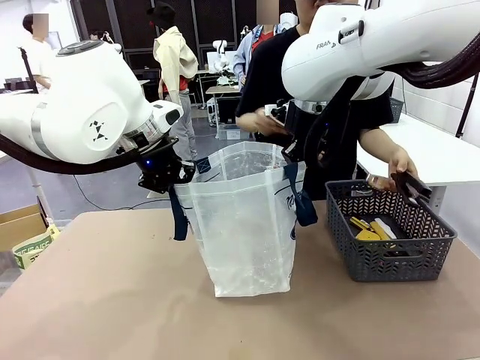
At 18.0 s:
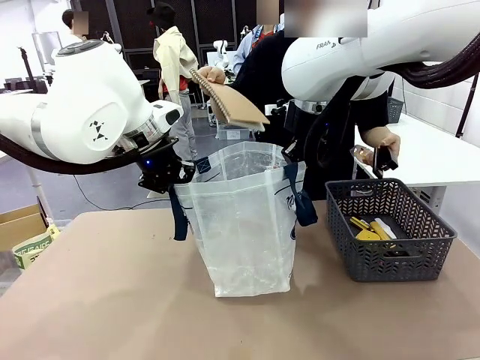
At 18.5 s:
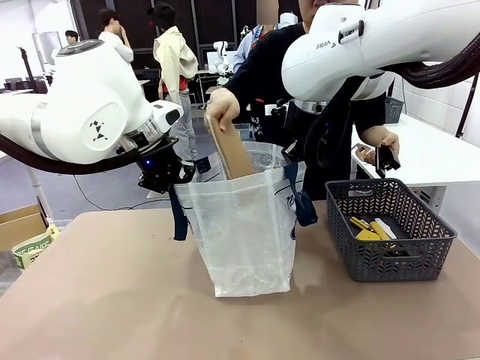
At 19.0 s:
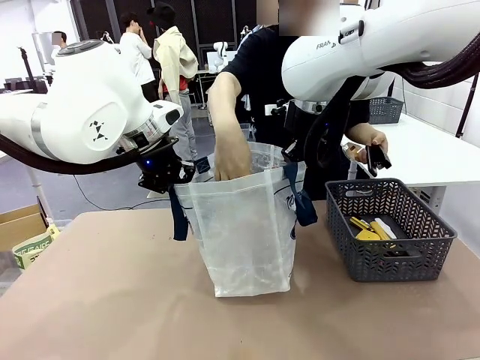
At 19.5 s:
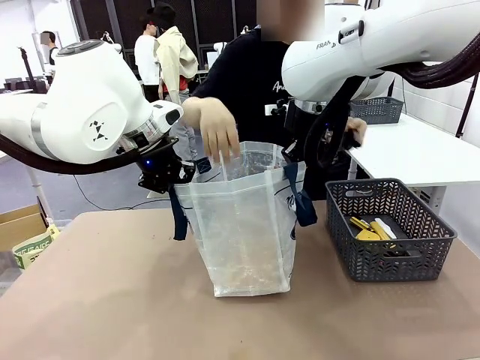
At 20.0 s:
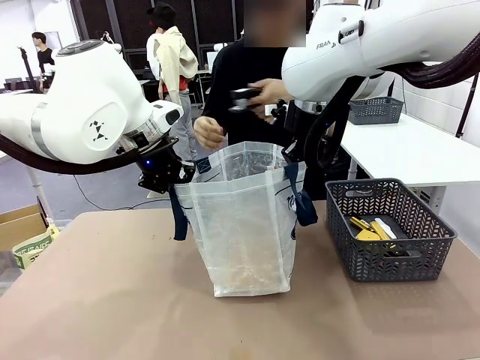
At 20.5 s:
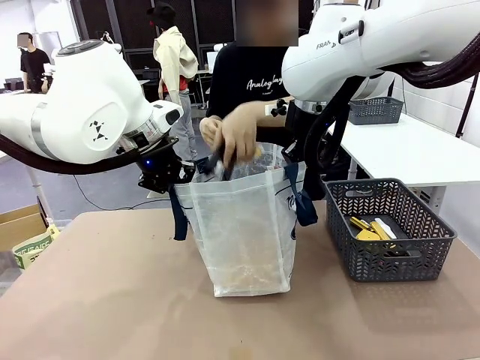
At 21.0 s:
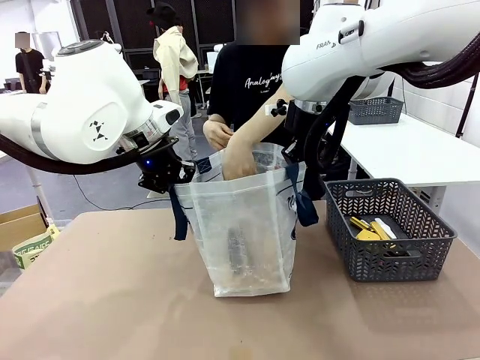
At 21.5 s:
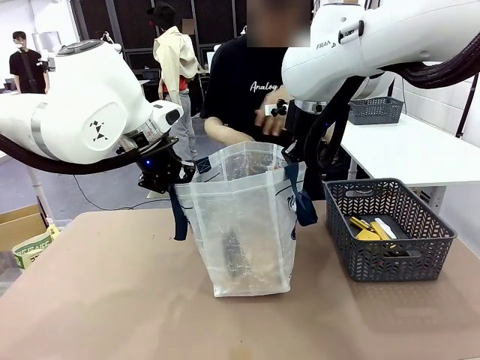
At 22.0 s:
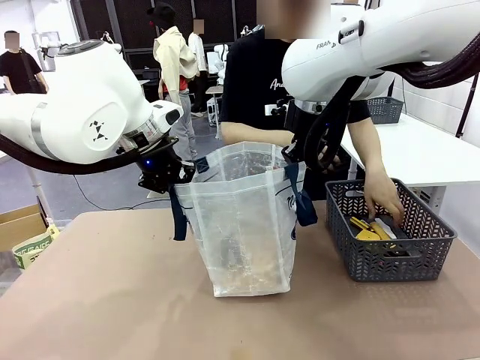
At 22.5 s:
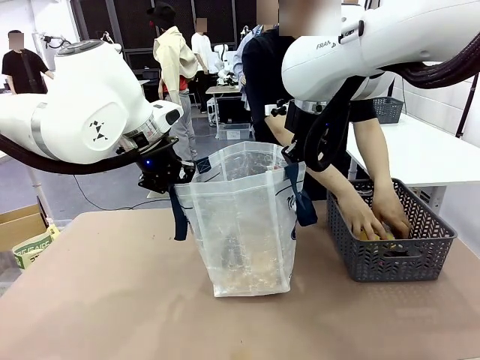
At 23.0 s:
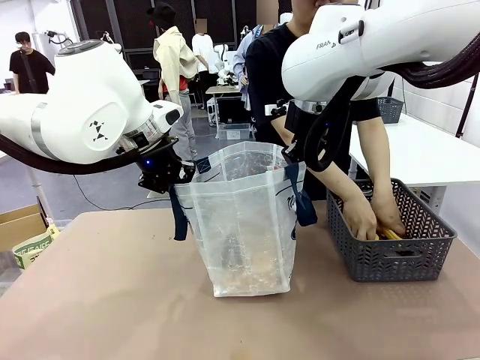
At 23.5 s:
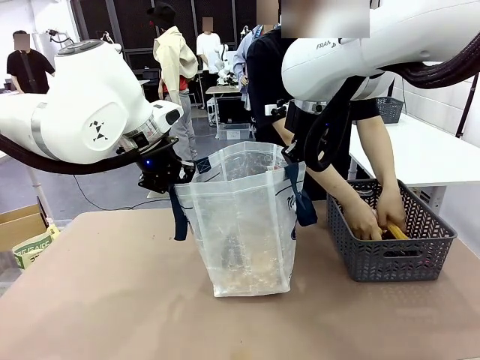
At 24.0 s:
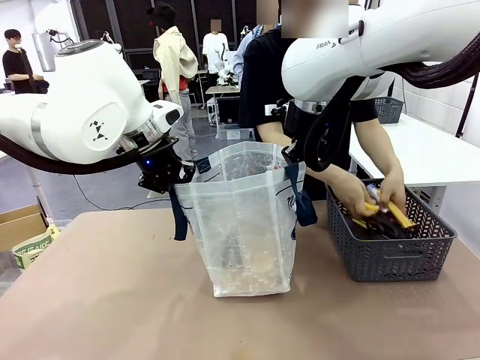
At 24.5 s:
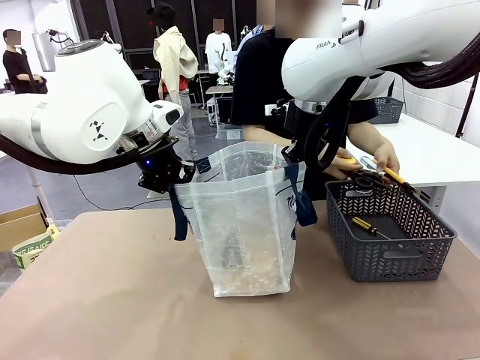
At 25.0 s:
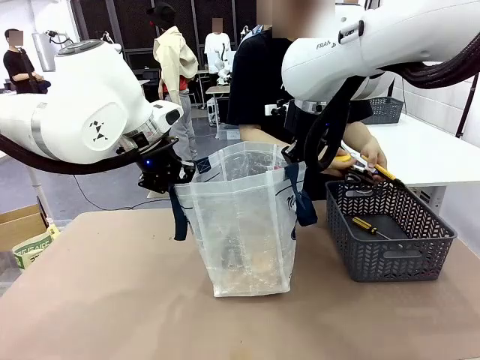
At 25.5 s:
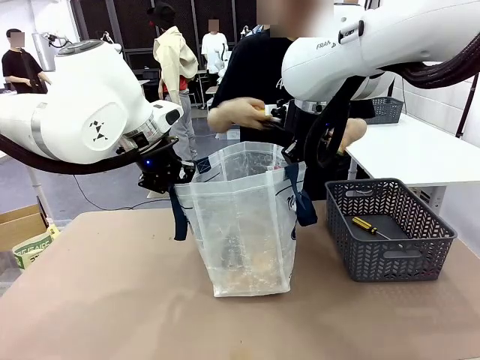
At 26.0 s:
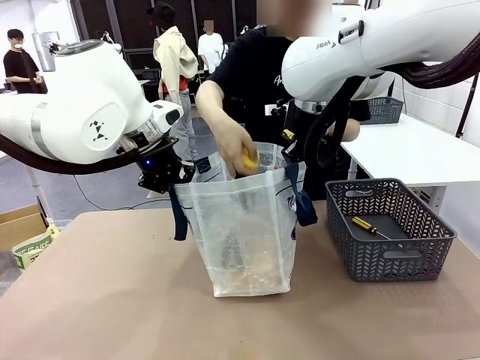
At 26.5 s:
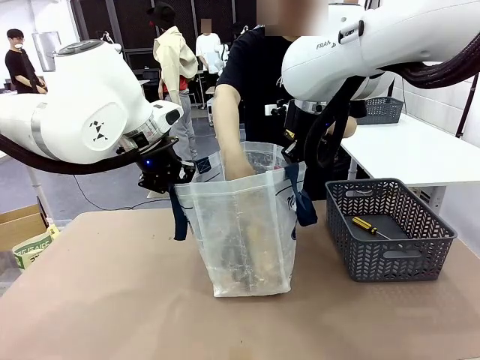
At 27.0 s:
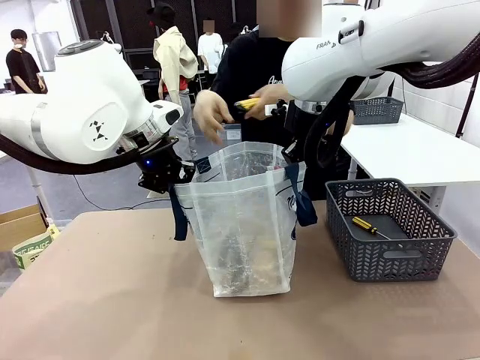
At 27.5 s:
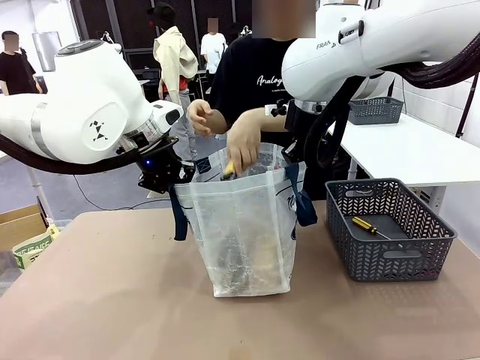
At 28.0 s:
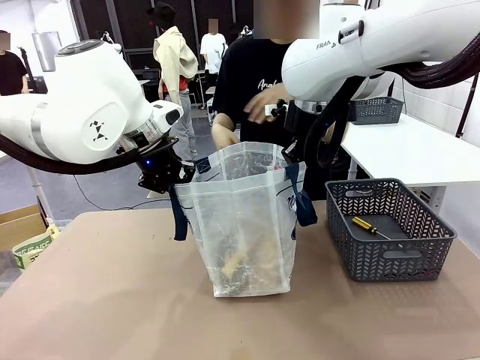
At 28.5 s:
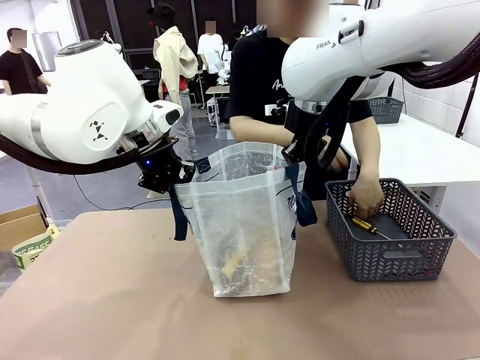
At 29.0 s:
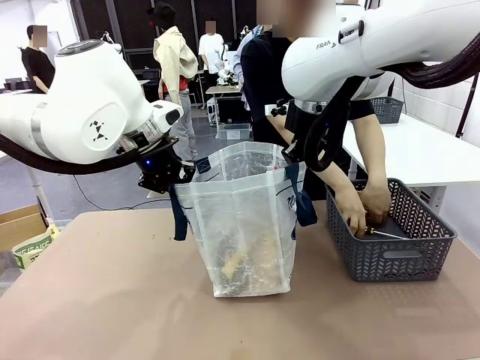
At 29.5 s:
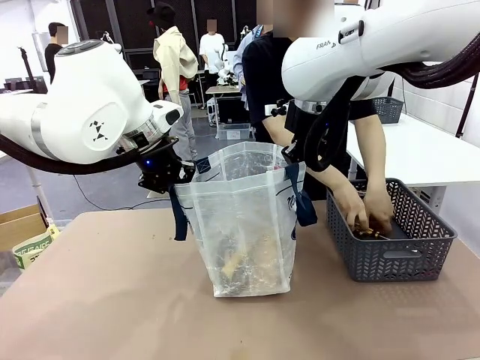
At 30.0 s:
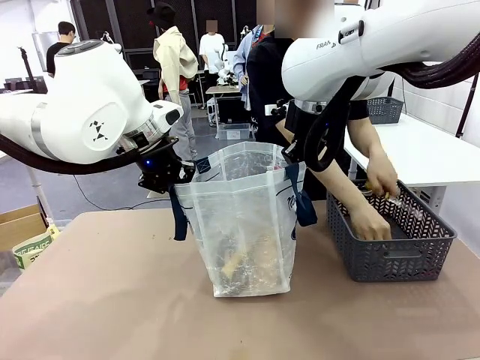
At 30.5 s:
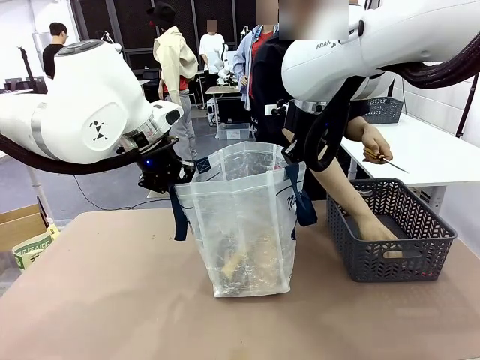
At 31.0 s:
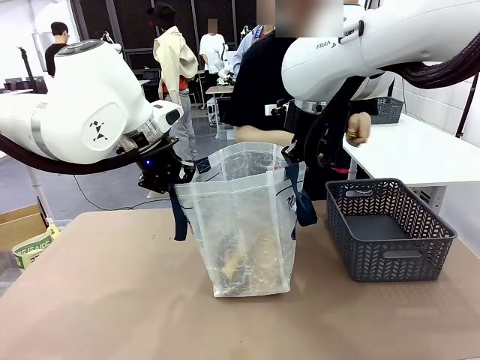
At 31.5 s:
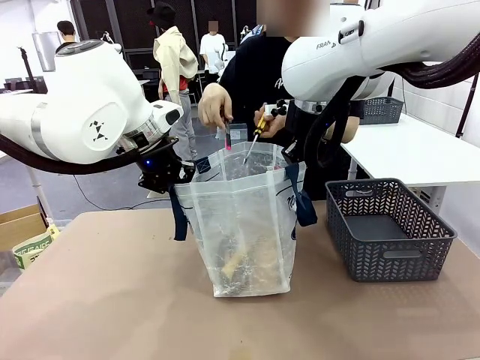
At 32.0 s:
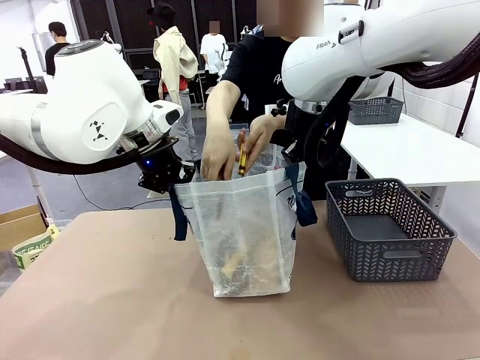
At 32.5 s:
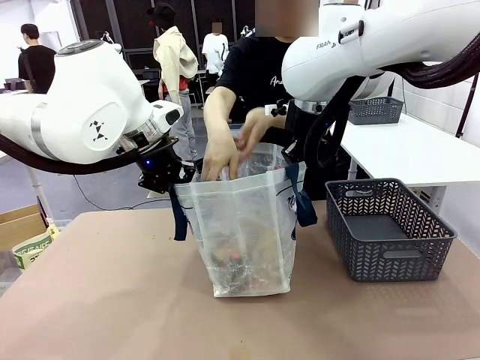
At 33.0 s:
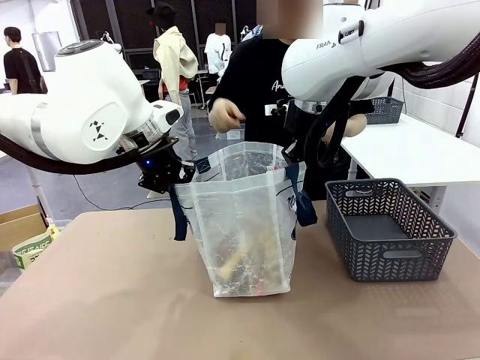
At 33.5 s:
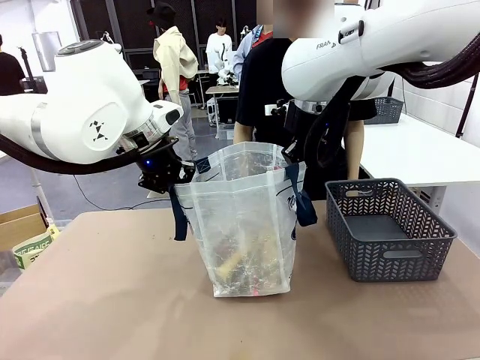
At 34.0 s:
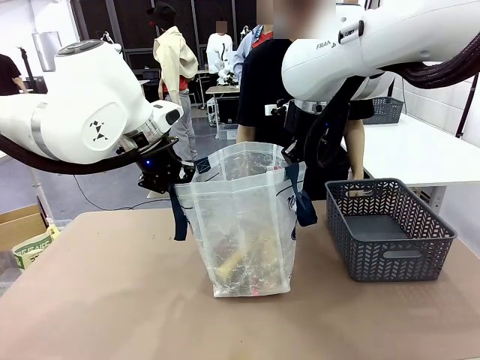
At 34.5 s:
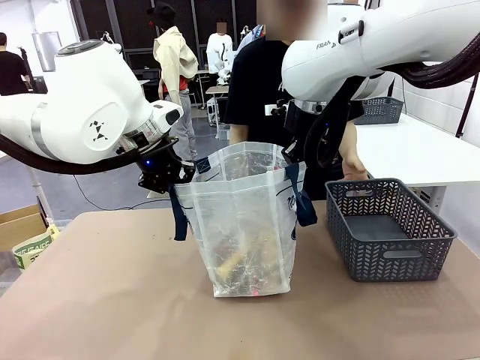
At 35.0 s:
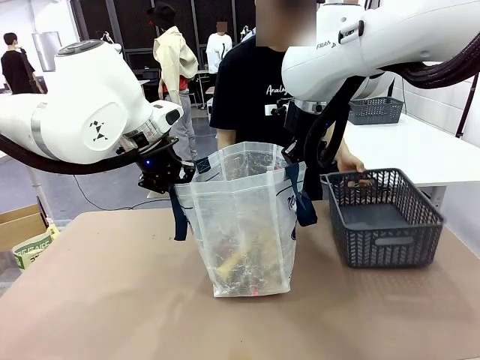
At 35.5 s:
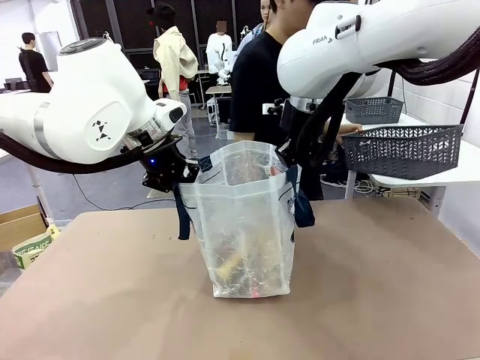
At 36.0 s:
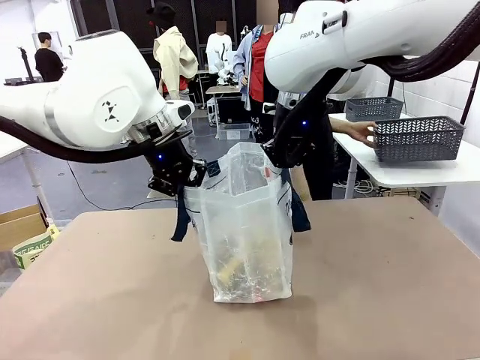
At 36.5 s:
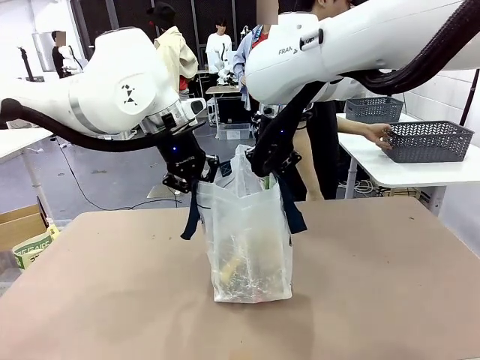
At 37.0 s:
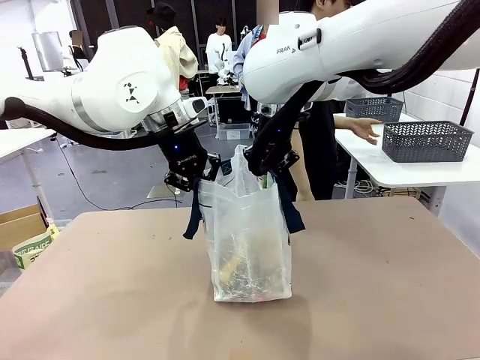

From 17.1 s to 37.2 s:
Task: Transfer purchased items from the store into the shopping bag.
Robot: Move the Reusable shopping bag to the right side of the table.
Person: Pick up the basket on the right, place it on the left side of the robot table, and move the items in the basket to the shopping bag. Pick up the basket with the items out and place it on the right side of the human table.

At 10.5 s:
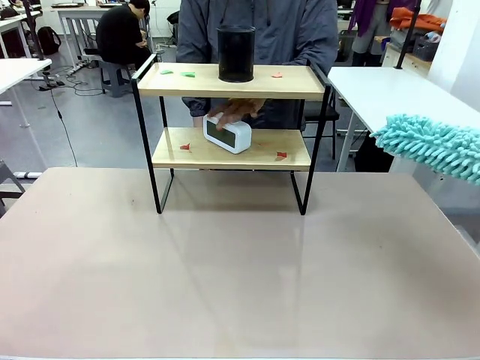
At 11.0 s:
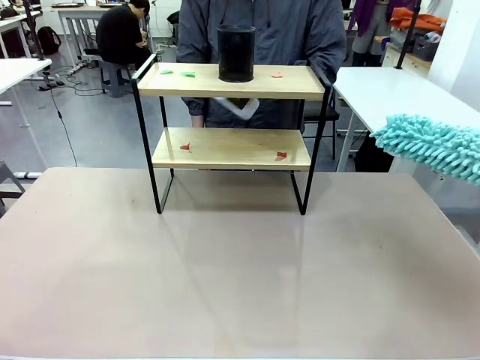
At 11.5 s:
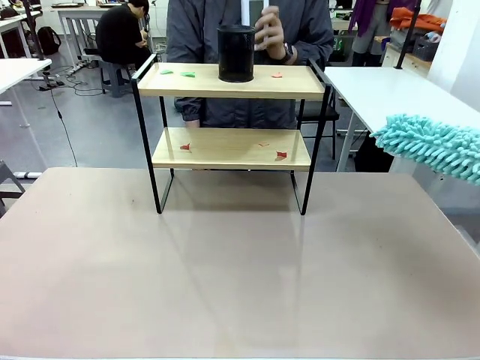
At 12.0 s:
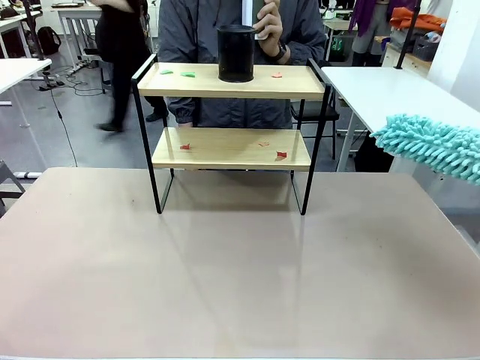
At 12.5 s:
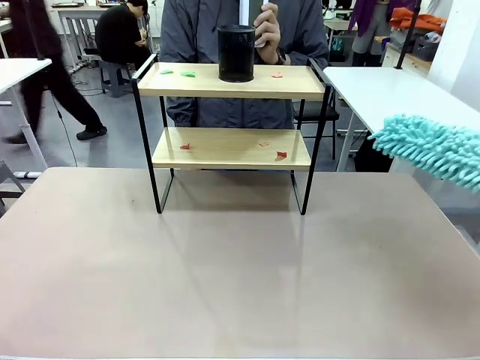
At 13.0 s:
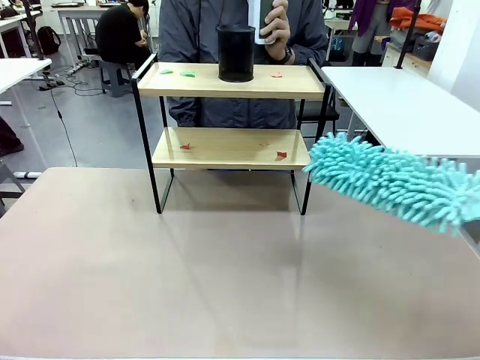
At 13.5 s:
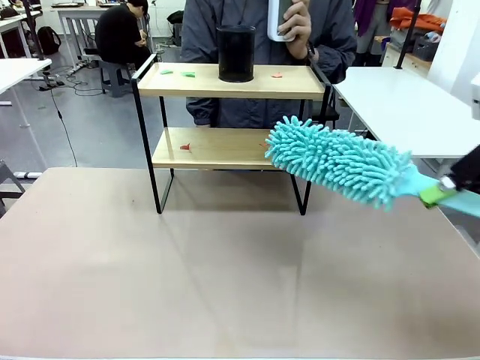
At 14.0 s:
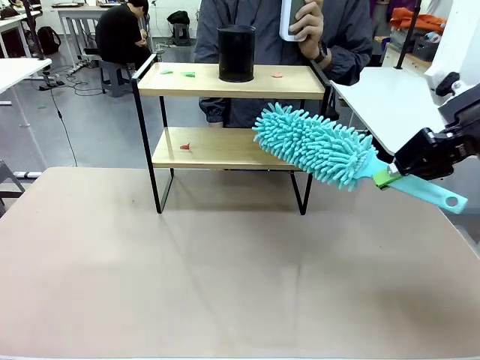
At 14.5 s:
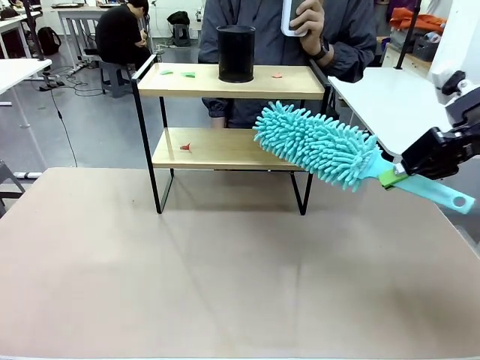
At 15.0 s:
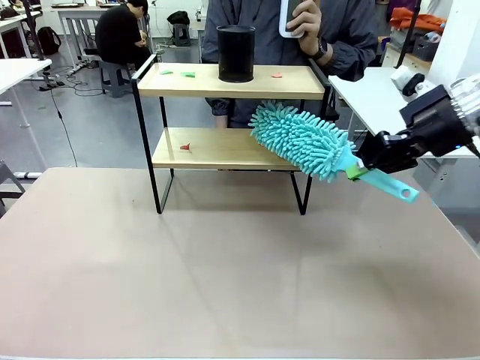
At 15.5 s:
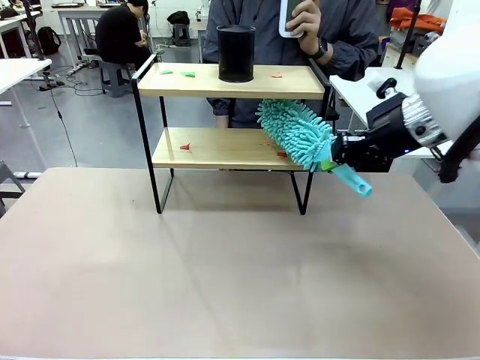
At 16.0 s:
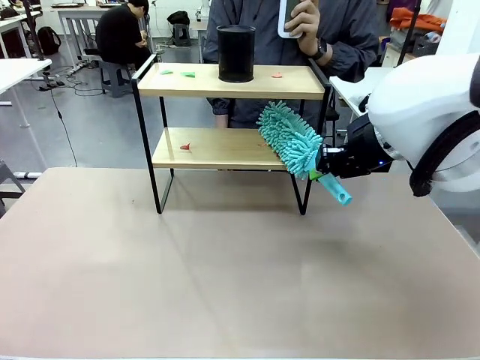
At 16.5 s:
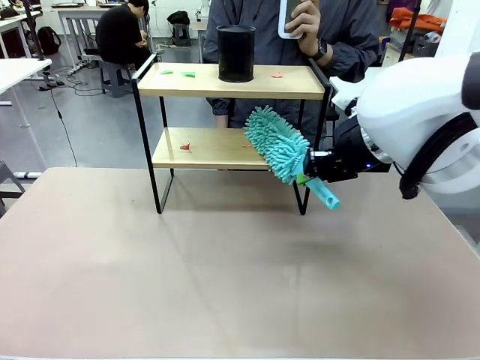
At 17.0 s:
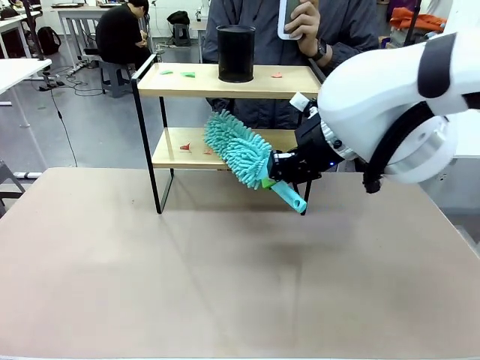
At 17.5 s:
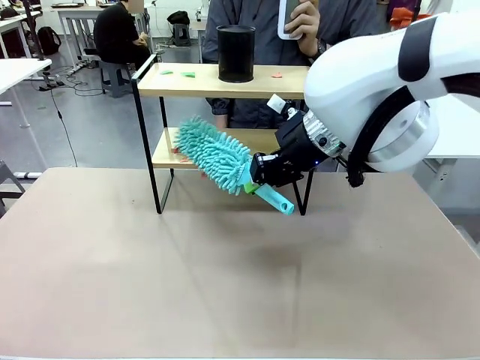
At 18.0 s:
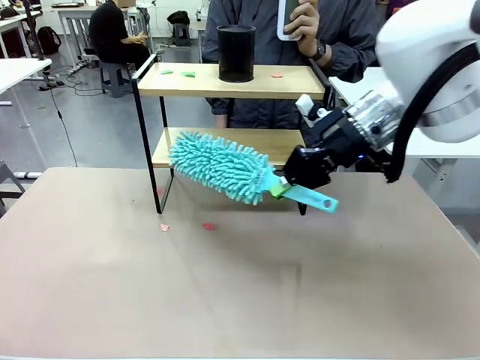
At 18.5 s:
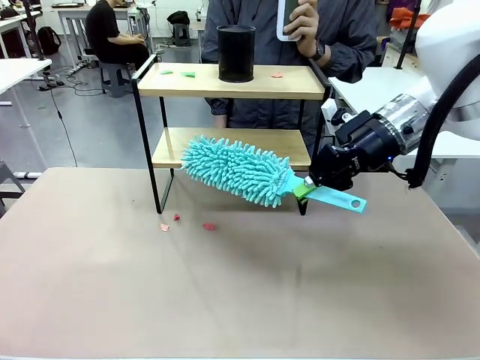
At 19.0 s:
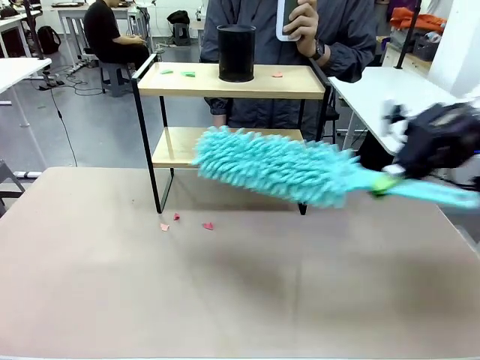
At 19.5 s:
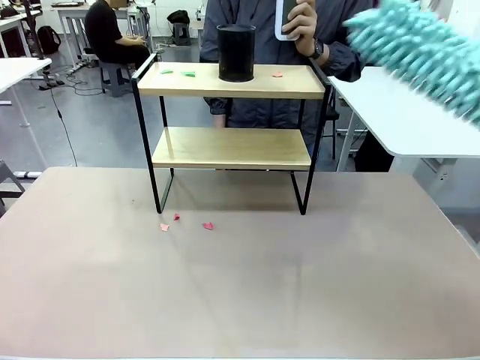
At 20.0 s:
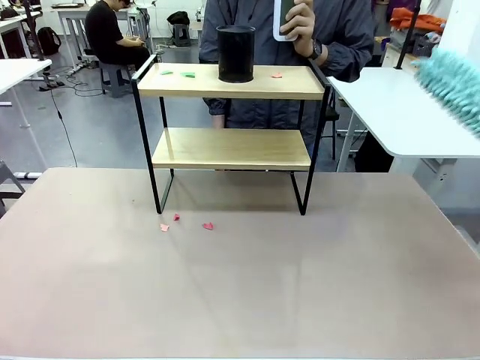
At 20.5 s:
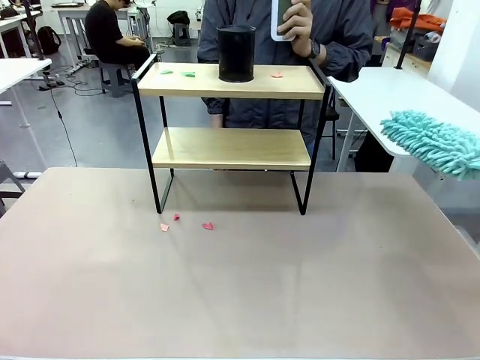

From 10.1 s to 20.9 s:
Task: Clean the shelf.
Robot: Clean the specific tier of the Shelf with the Duster once objects are removed.
Person: Lift the objects on a randomly selected tier of the Shelf. Once the robot finishes cleaning, lift the objects on the remaining tiers of the Shelf.
